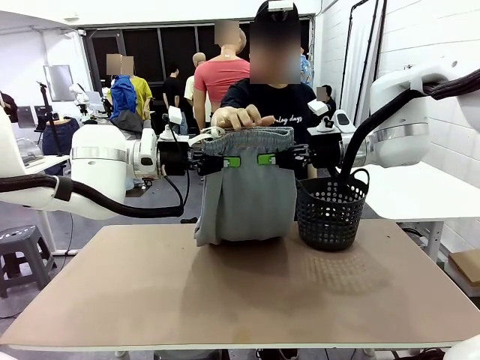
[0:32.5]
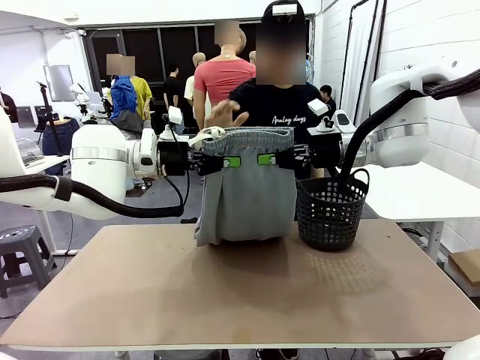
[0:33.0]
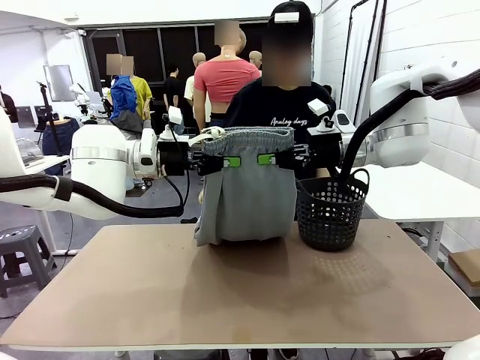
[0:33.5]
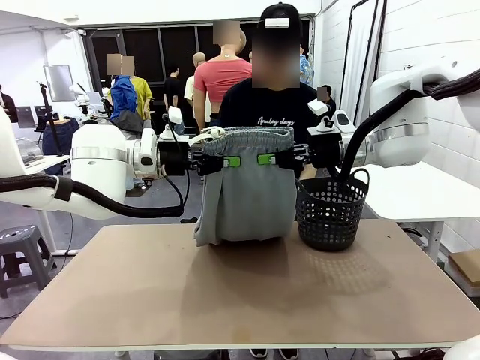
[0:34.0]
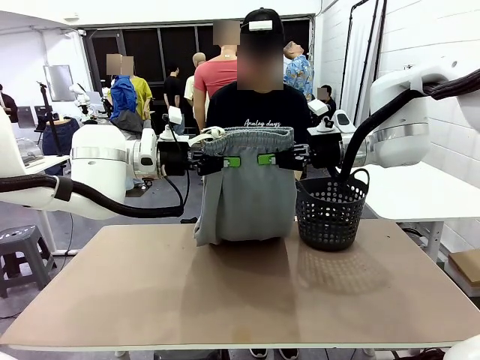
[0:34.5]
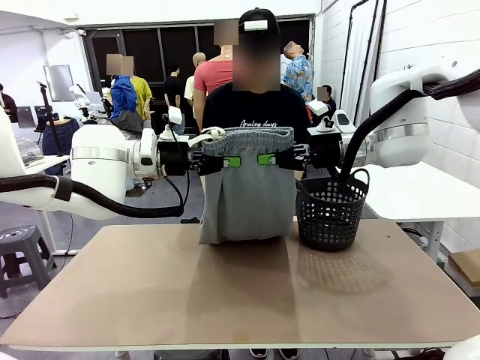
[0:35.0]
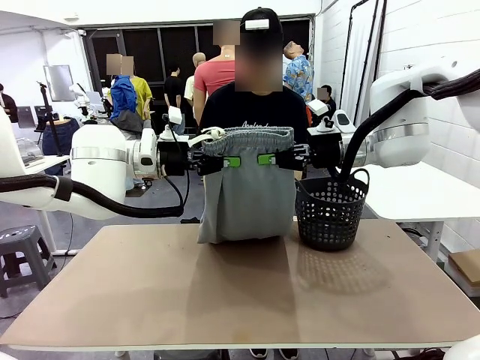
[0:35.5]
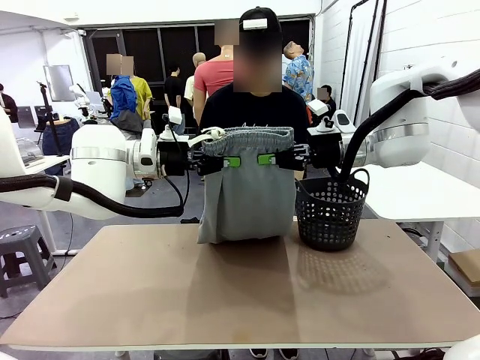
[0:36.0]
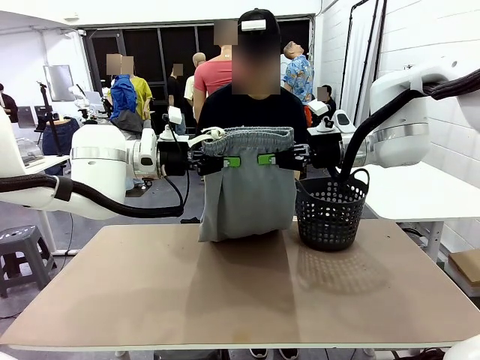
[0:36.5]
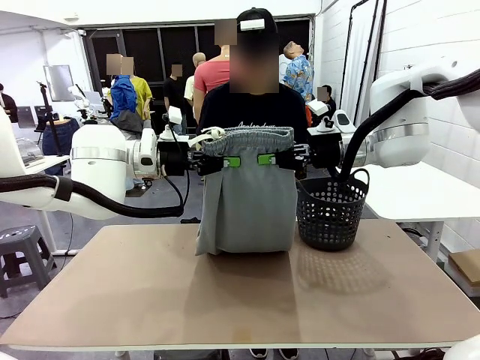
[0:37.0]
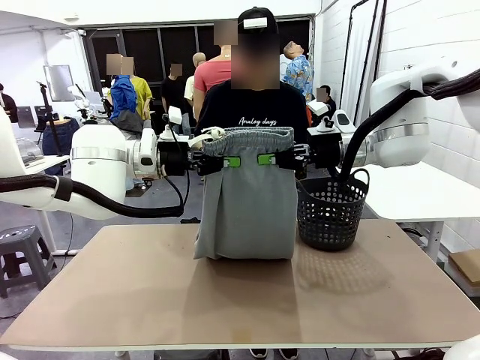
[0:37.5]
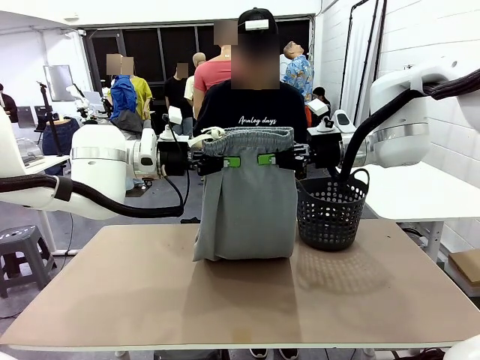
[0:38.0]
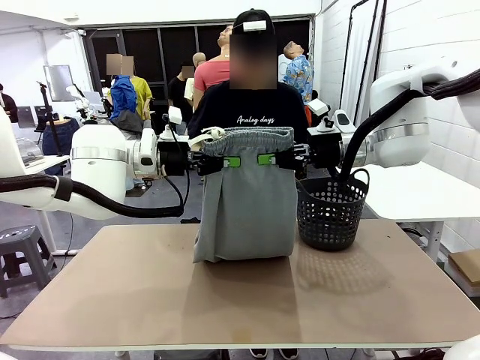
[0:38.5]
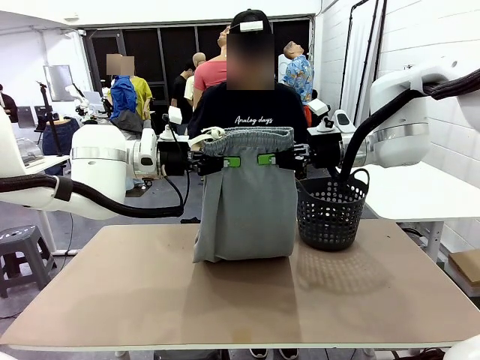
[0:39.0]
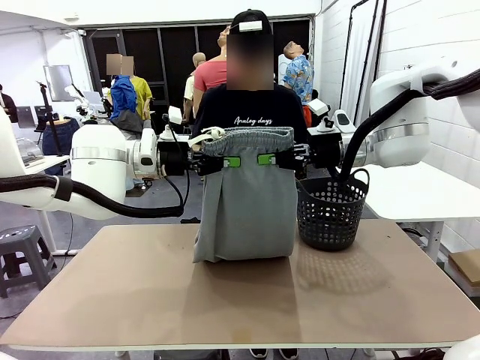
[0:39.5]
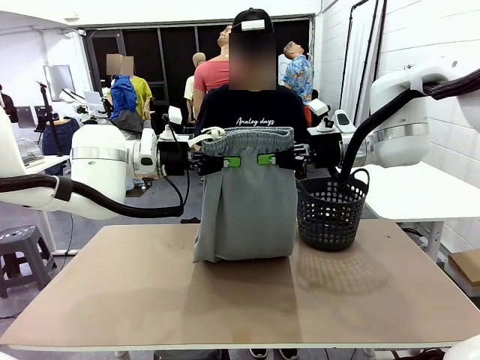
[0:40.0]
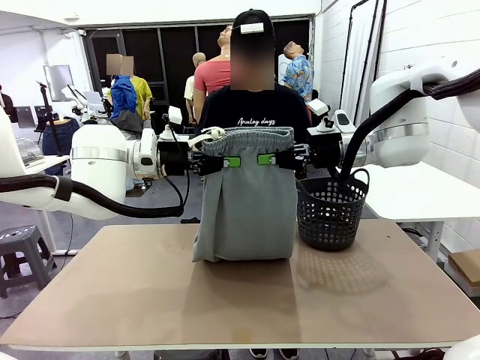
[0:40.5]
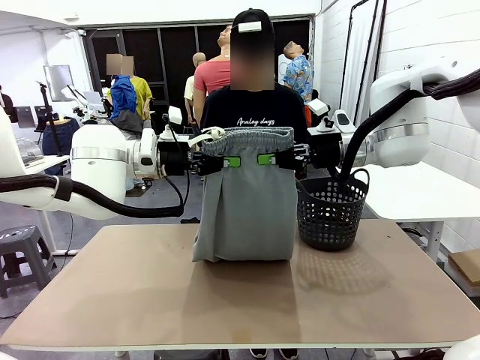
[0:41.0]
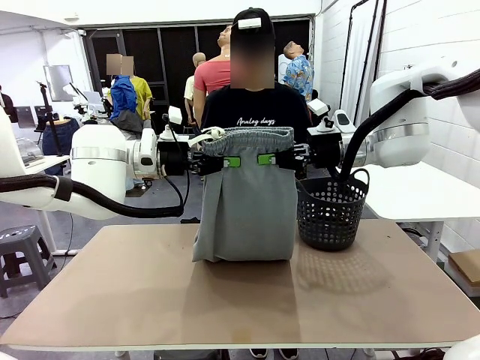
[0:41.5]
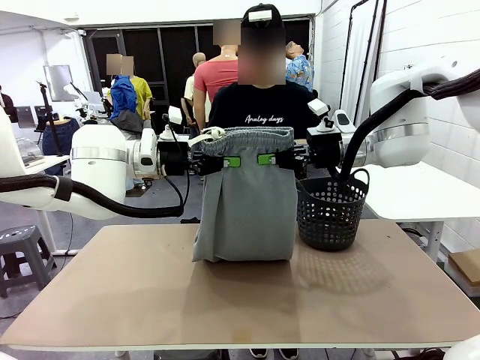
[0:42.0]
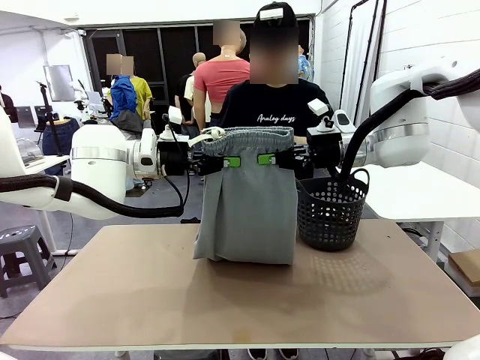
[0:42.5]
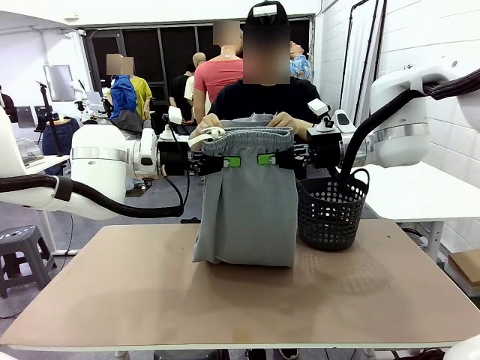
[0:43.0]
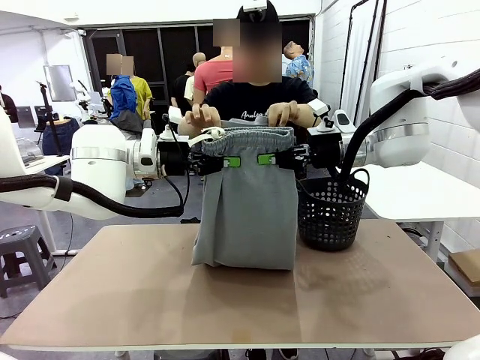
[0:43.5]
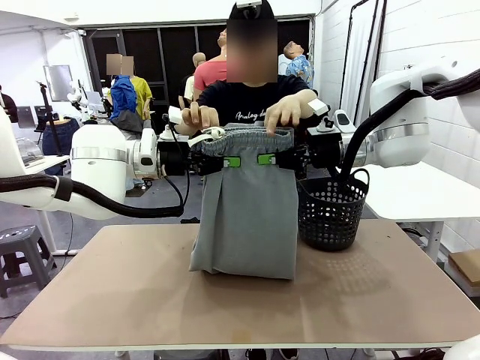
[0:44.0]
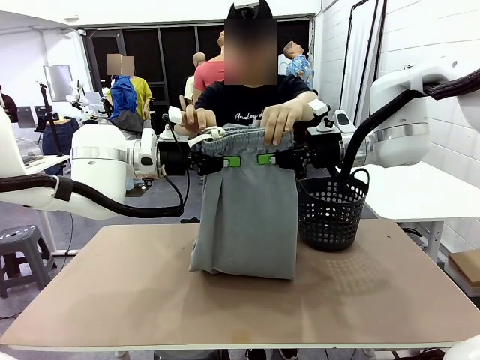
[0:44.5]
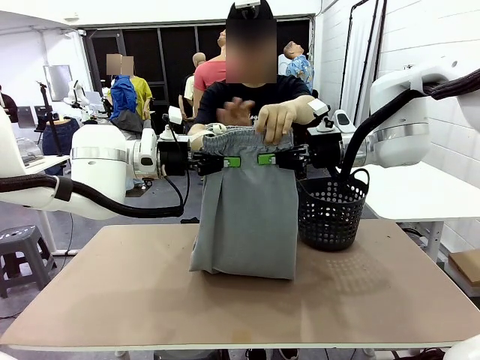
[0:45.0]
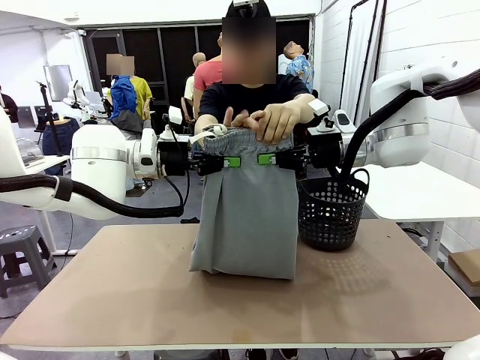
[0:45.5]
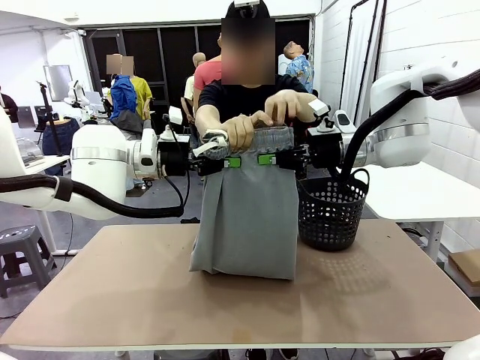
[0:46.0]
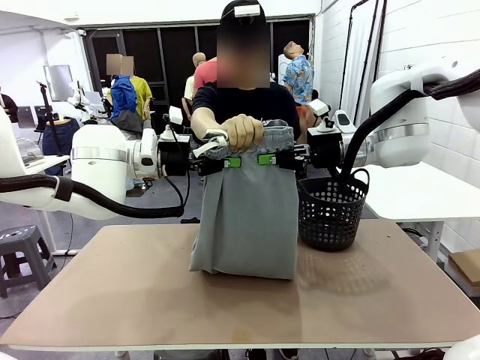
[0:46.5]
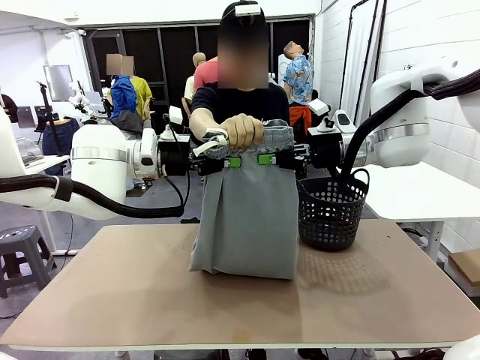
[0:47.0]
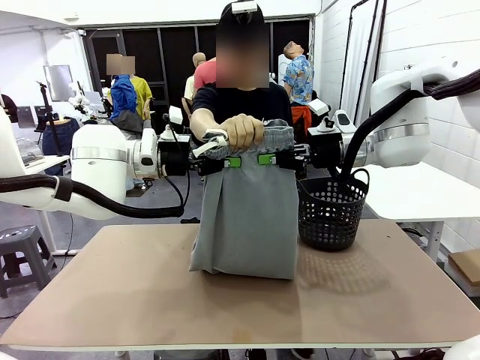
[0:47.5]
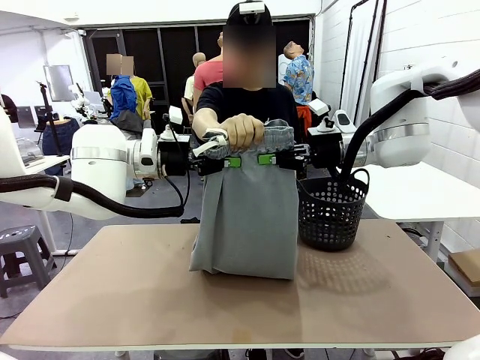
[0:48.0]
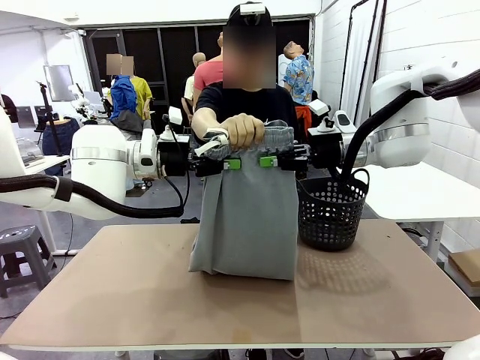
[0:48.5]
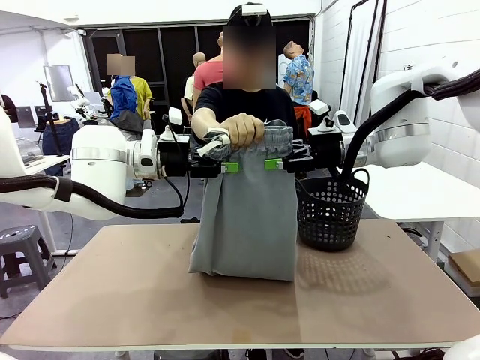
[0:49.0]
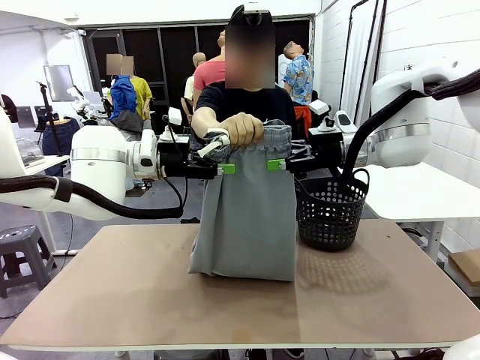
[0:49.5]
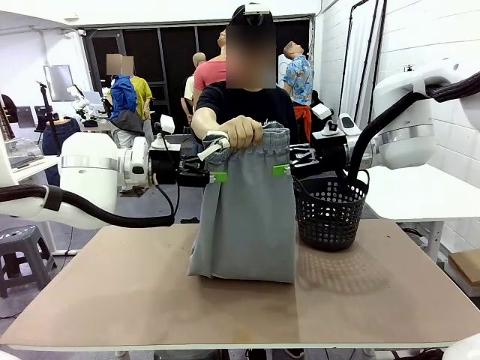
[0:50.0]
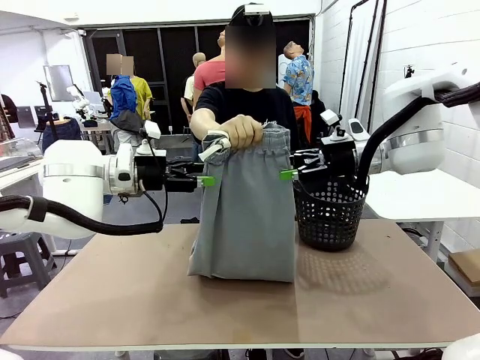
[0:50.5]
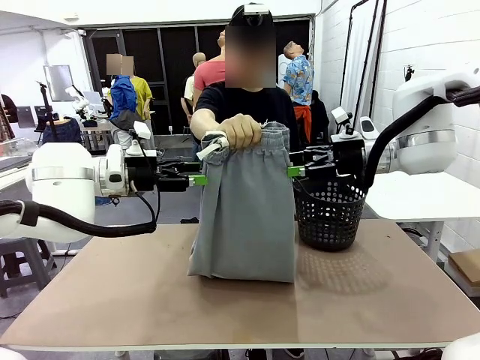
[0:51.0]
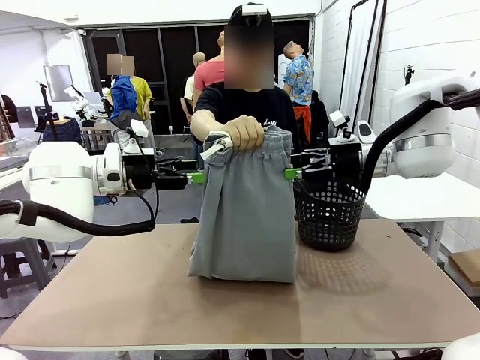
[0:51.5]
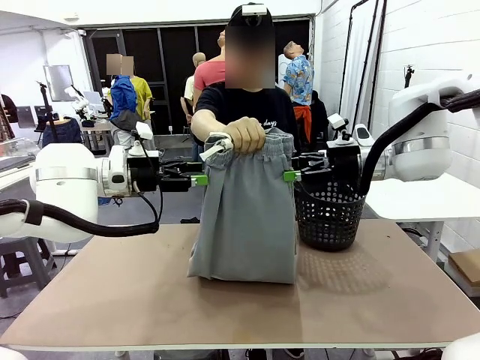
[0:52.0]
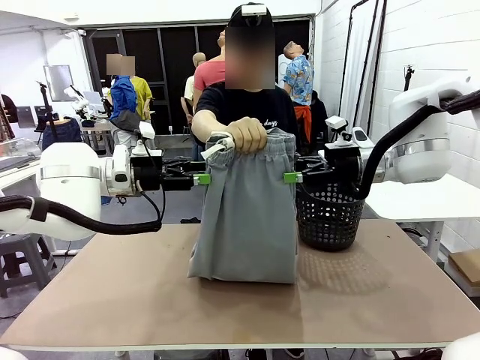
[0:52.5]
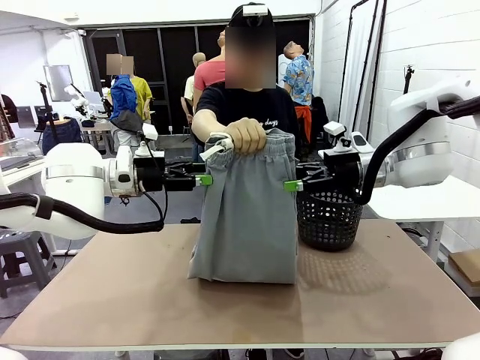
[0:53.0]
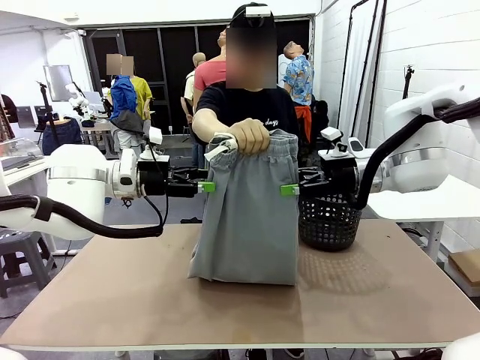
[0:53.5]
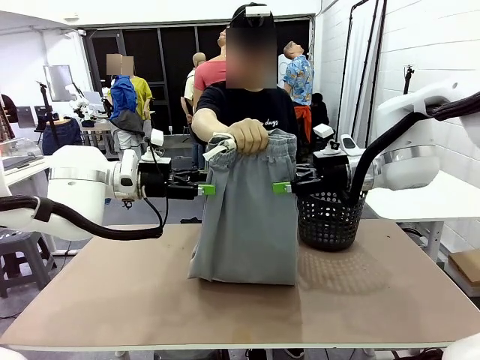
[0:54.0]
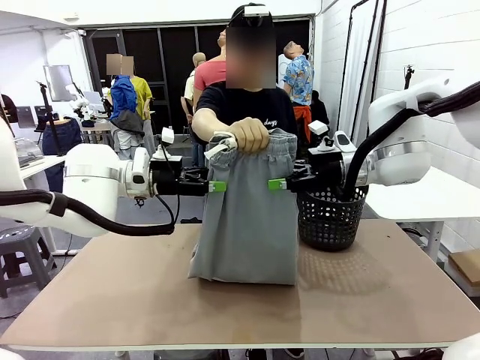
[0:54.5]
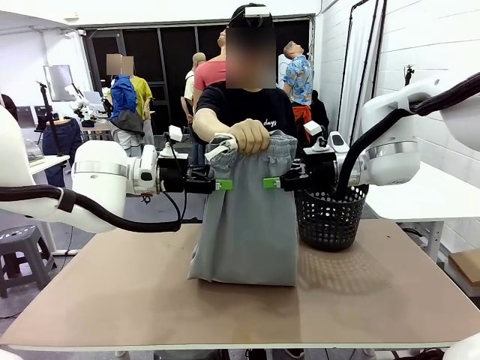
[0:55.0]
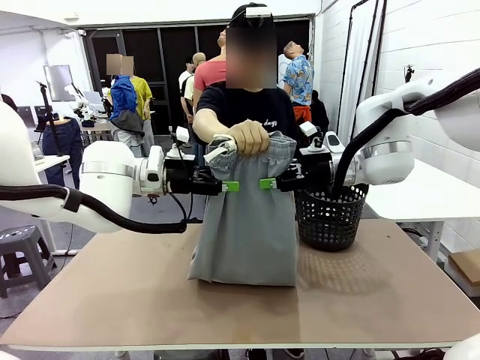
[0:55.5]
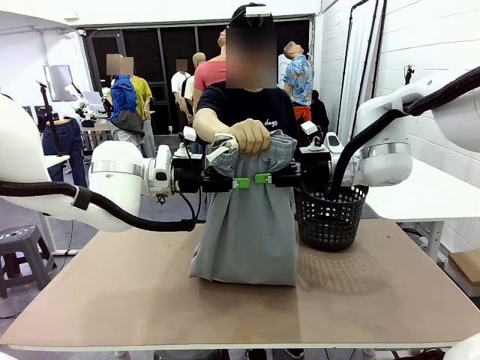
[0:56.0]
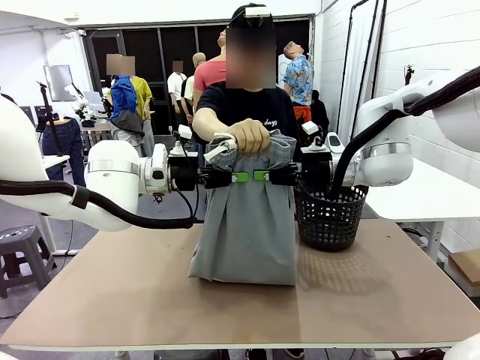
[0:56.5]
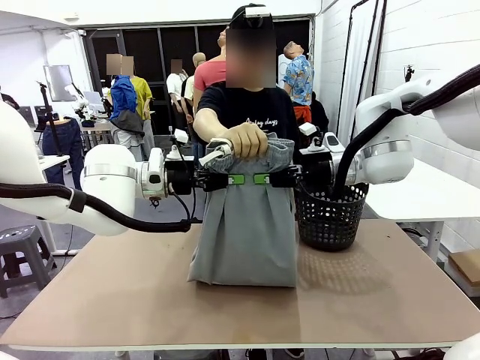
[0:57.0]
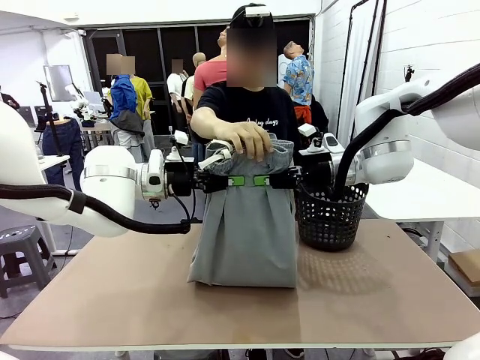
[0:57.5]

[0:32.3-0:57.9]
Task: Fold the training pants.
Robot: Release the ends of the Training pants and then grab the overlapped ends.
Person: Grasp the end opposite the point the robot is holding, fold the pants in half, and then grasp the overlapping top end of the folded pants. Release the pants you were holding.
